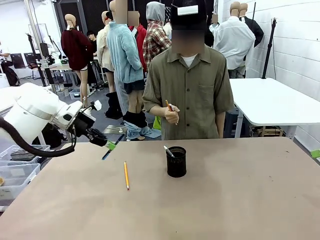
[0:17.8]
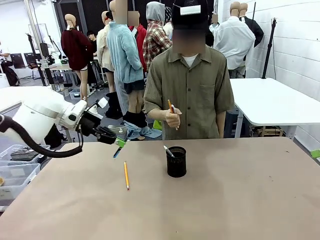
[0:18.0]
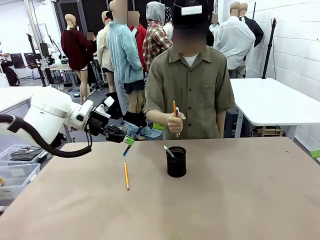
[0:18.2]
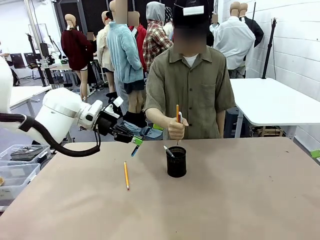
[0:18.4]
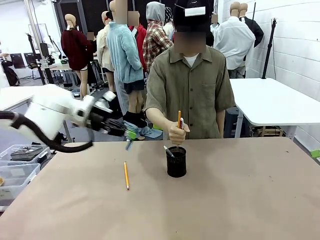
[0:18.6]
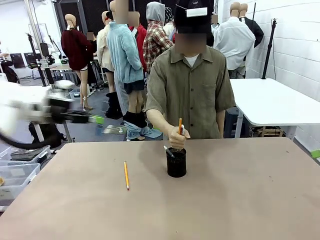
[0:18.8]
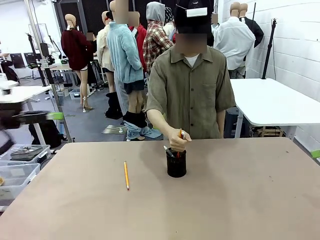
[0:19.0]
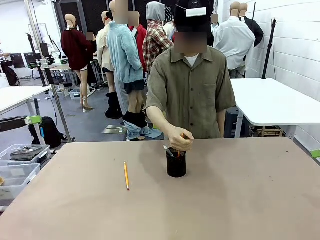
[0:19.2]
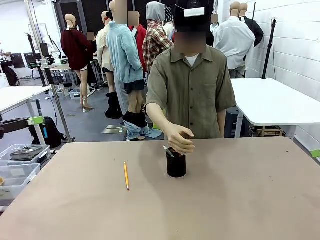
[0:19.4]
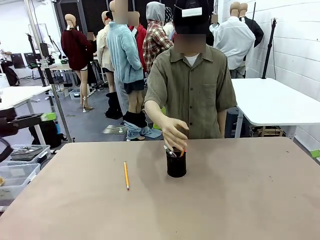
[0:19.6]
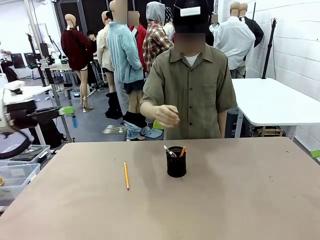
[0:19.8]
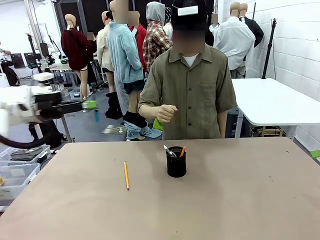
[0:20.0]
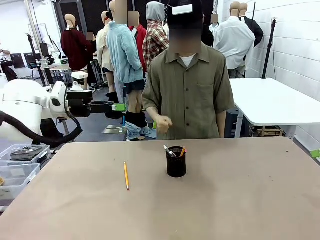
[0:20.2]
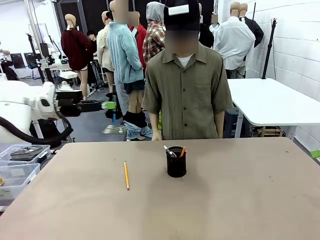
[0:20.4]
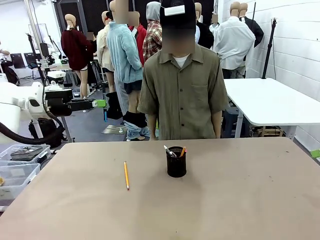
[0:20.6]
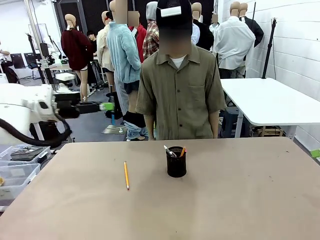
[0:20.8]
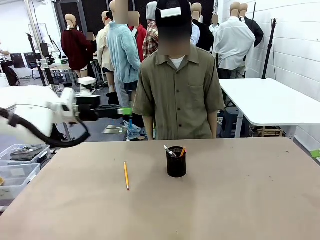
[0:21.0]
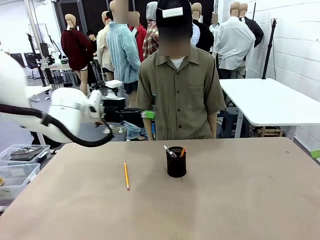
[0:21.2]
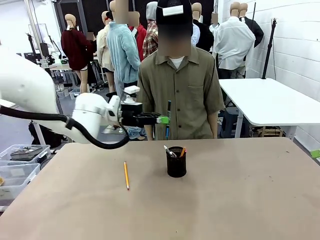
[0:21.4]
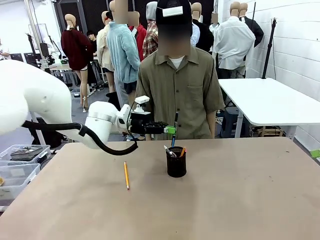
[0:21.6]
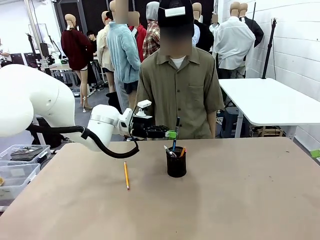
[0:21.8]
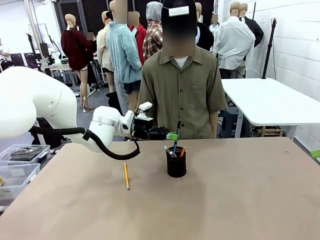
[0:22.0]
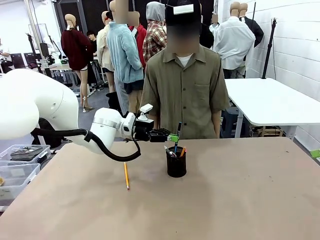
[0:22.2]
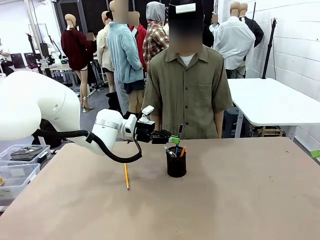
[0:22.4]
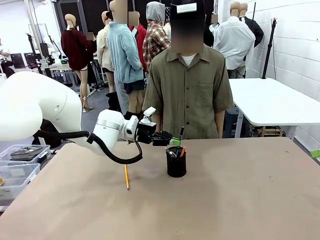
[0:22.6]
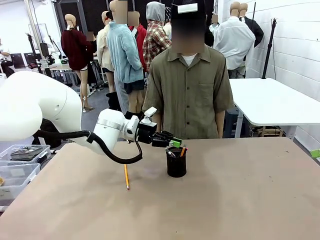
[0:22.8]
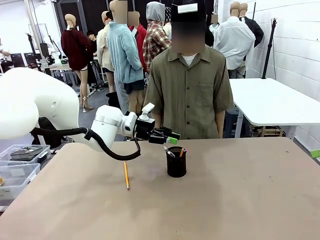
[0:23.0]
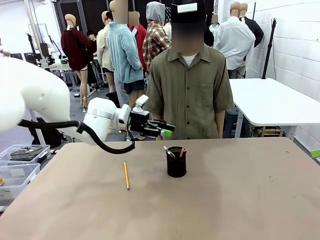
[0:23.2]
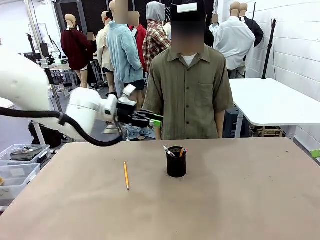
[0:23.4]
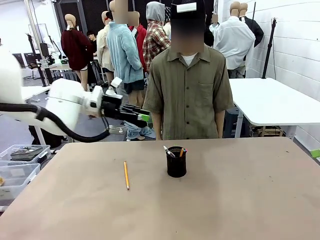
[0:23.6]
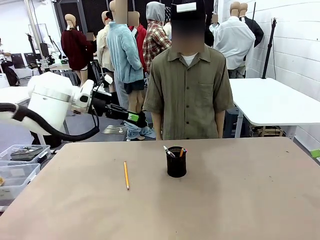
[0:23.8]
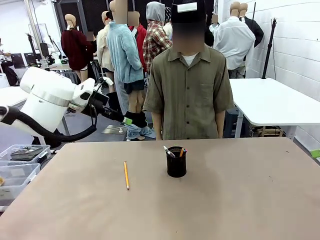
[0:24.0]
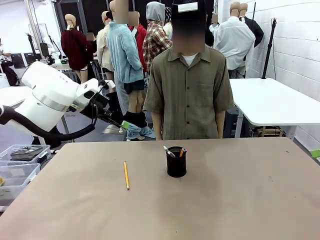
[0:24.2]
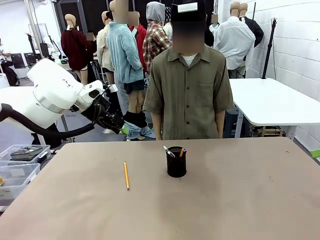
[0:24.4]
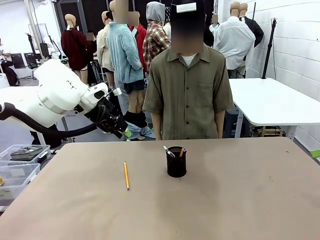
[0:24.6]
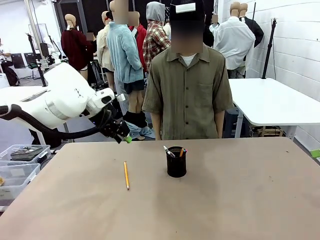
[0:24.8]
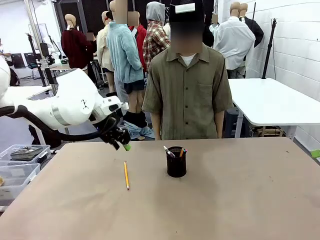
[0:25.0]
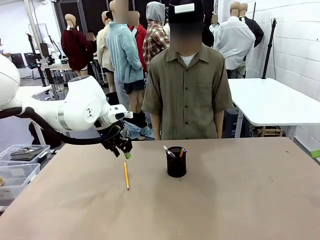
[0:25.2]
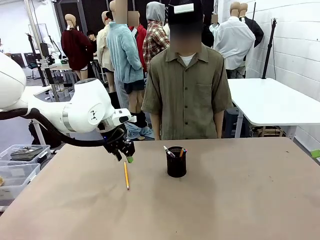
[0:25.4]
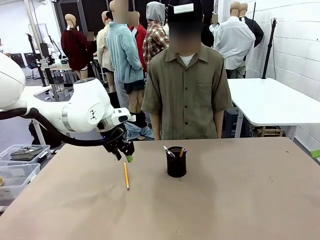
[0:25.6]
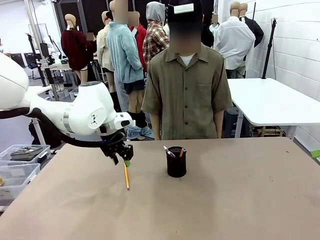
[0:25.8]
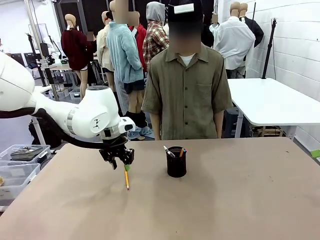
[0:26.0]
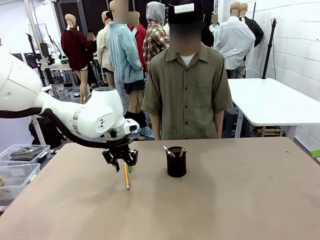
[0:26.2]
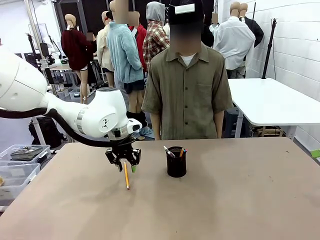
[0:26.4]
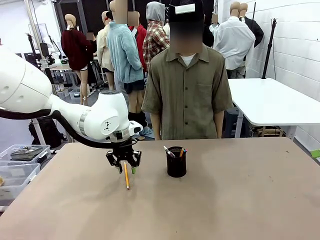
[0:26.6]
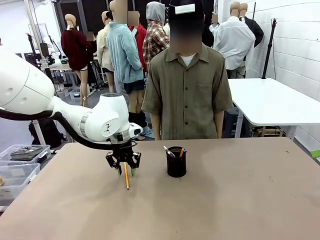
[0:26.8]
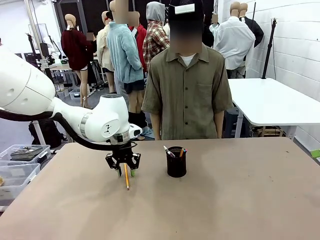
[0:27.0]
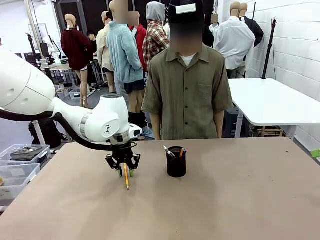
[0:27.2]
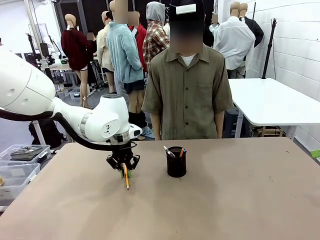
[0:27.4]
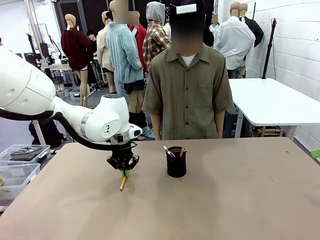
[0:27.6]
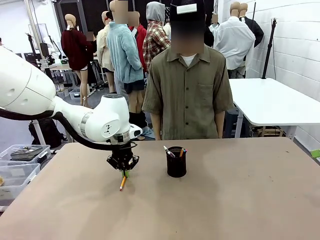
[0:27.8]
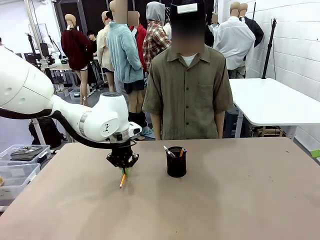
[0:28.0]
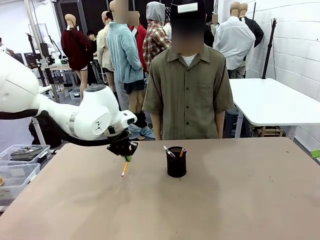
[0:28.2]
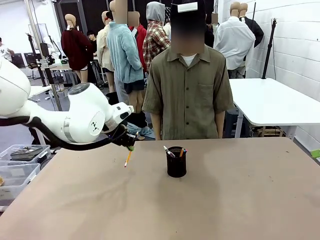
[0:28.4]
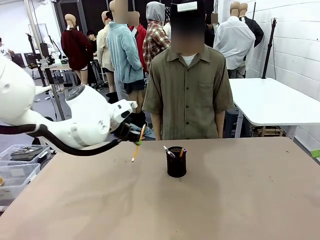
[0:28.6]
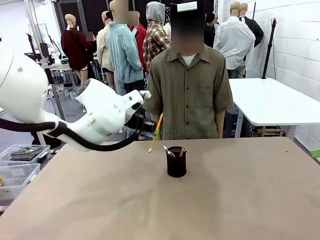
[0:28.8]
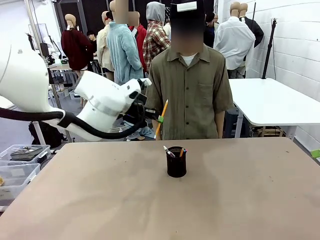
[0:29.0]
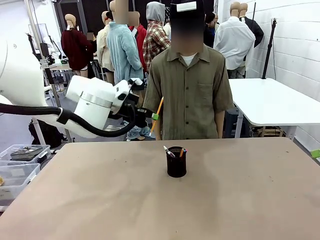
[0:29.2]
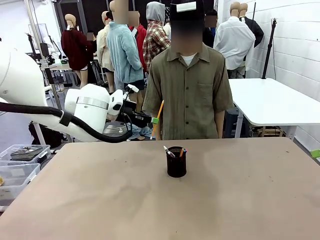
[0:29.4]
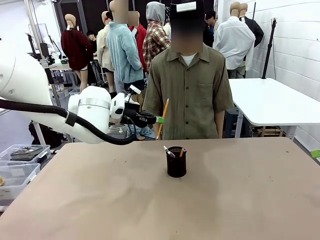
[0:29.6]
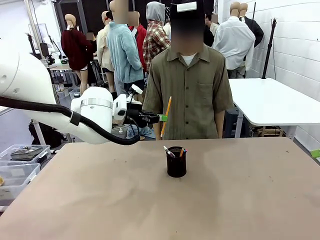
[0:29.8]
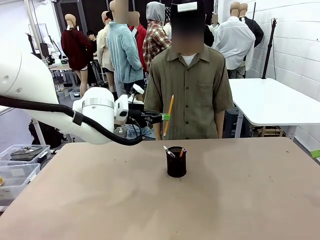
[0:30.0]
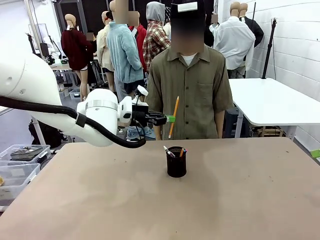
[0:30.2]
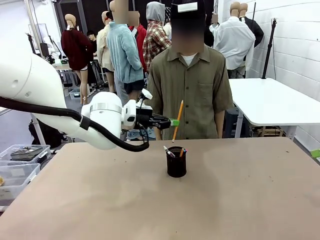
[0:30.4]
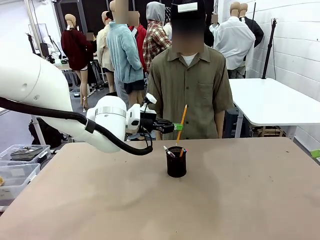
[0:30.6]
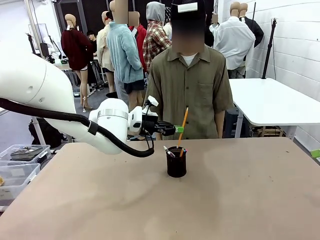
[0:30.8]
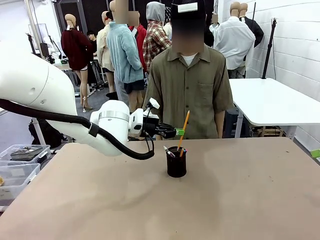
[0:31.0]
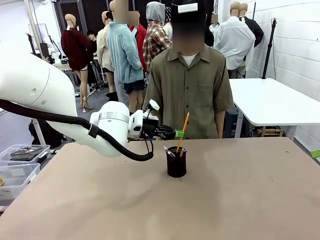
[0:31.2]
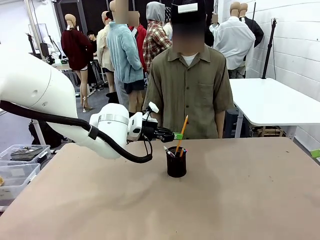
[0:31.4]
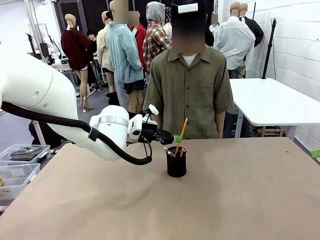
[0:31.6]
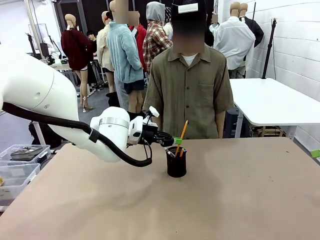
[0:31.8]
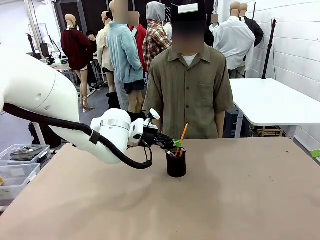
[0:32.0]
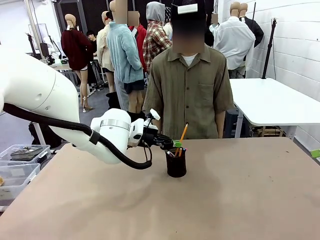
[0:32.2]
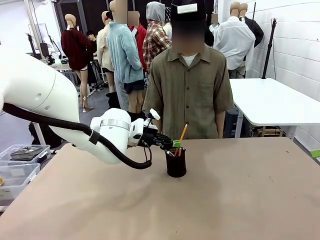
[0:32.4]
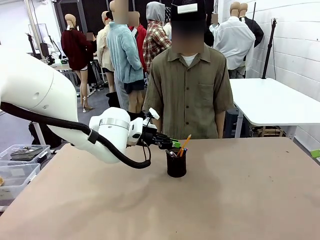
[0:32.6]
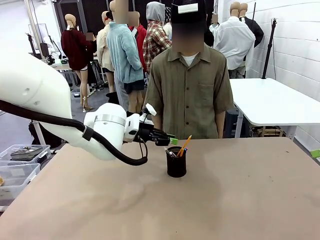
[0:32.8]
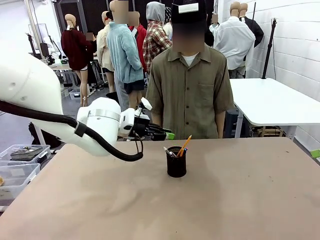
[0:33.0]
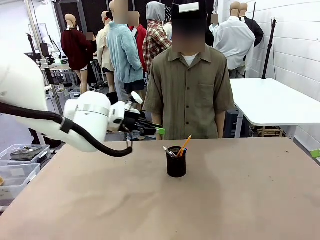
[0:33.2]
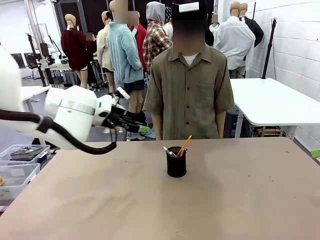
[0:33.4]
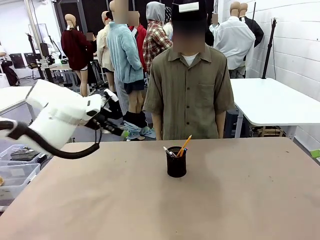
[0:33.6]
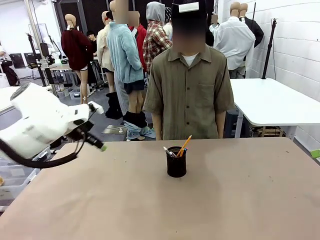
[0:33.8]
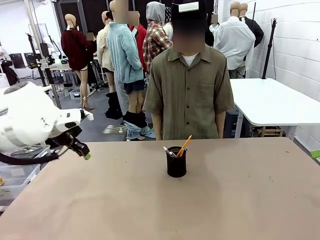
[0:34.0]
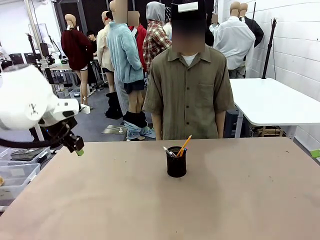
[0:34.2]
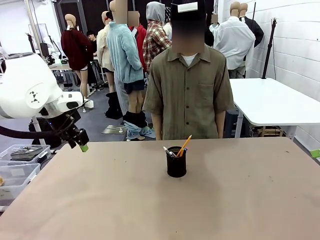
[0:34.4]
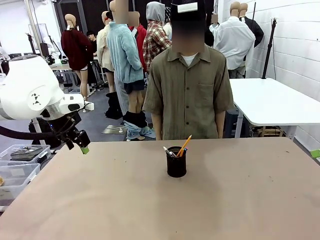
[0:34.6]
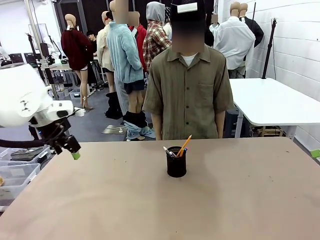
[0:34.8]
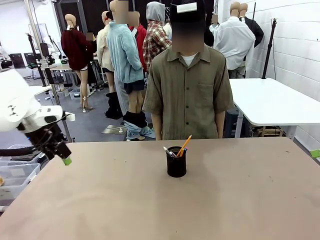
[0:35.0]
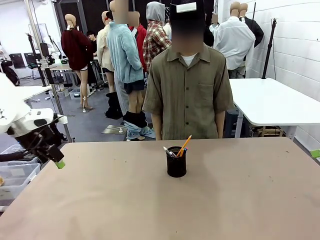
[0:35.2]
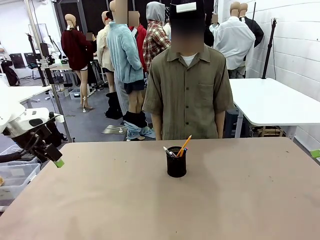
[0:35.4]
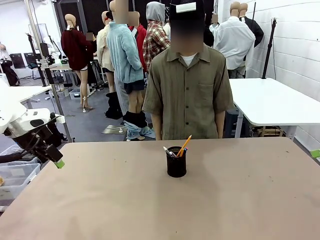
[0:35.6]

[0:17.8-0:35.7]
Task: Place the pens into the pen holder.
Robot: Pick up a writing instrument from the table and place it into the Pen holder.
Person: Place all writing instrument into the Pen holder.
